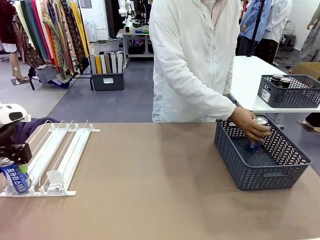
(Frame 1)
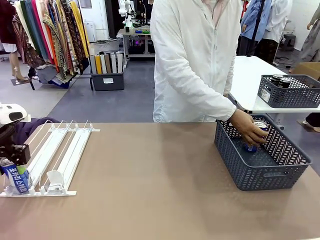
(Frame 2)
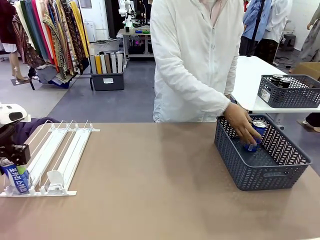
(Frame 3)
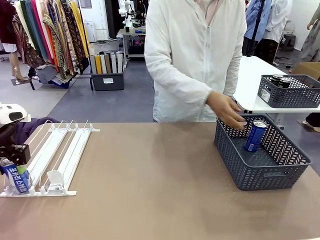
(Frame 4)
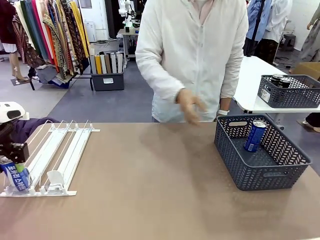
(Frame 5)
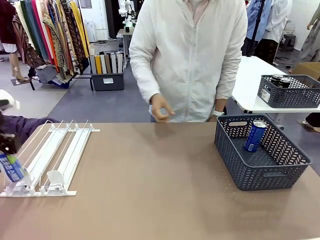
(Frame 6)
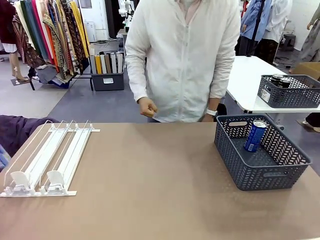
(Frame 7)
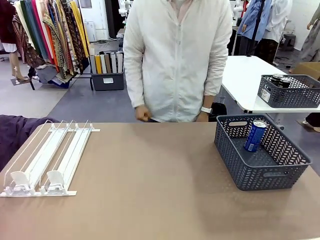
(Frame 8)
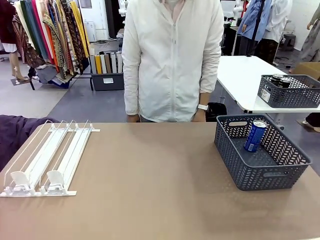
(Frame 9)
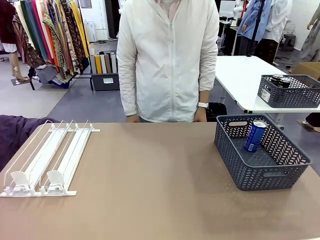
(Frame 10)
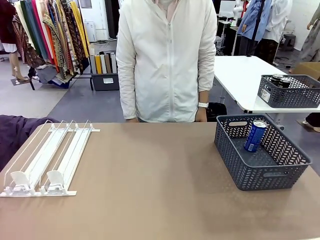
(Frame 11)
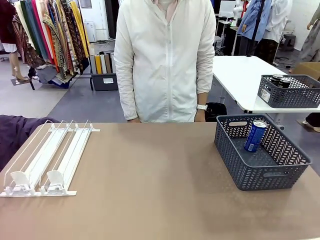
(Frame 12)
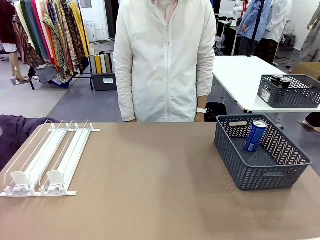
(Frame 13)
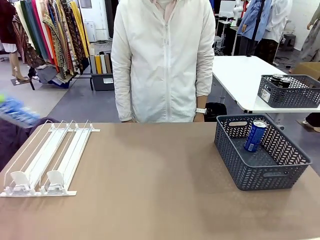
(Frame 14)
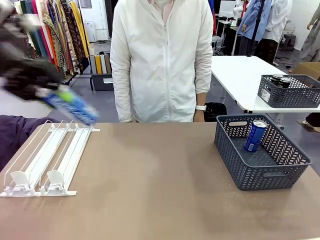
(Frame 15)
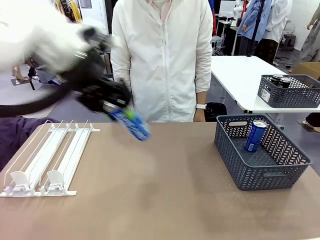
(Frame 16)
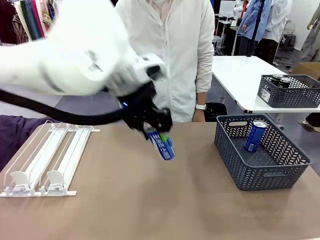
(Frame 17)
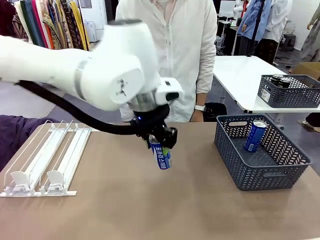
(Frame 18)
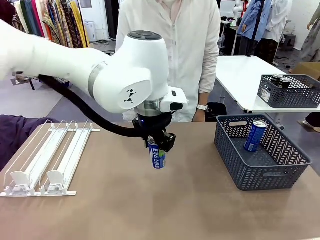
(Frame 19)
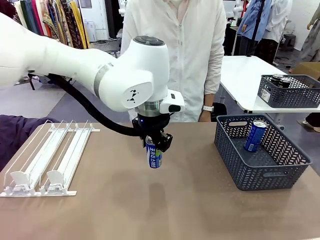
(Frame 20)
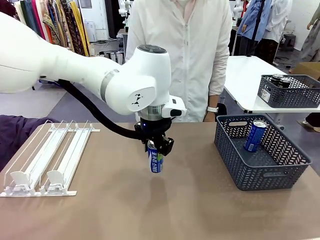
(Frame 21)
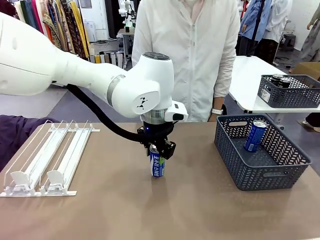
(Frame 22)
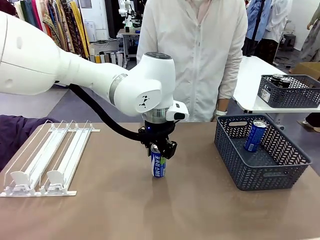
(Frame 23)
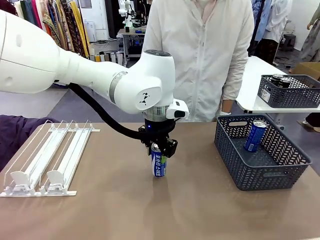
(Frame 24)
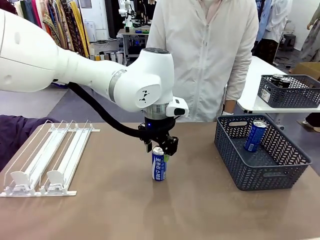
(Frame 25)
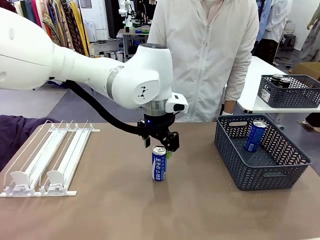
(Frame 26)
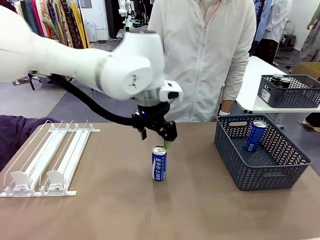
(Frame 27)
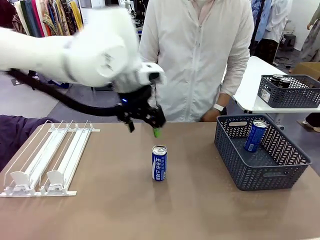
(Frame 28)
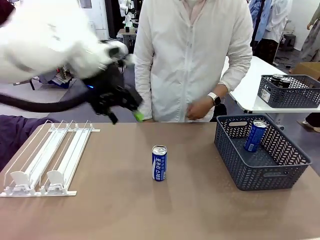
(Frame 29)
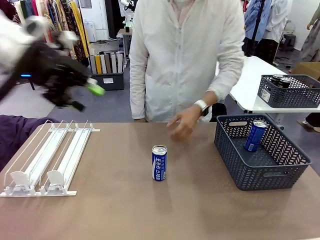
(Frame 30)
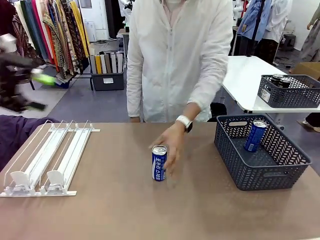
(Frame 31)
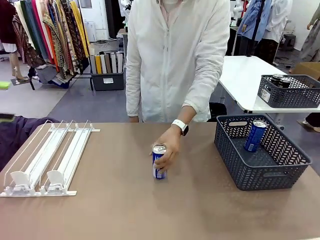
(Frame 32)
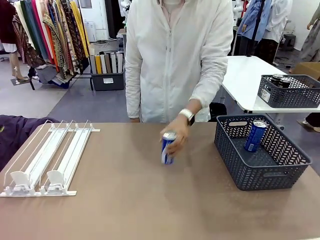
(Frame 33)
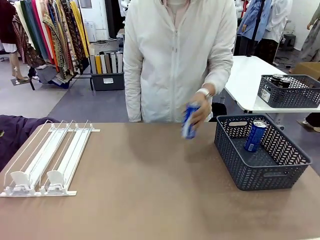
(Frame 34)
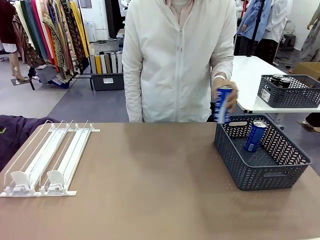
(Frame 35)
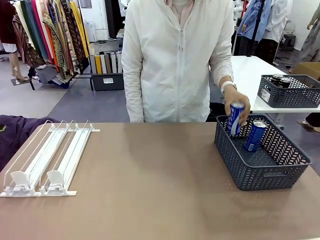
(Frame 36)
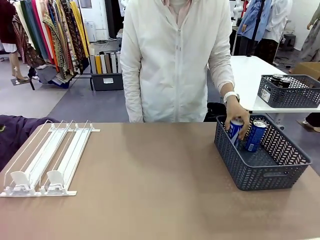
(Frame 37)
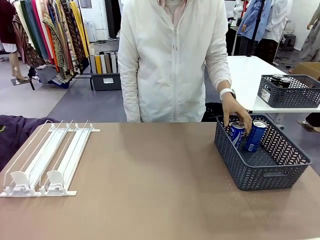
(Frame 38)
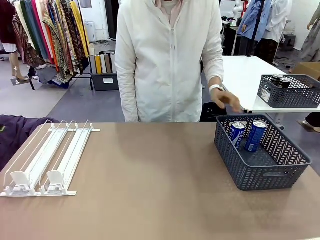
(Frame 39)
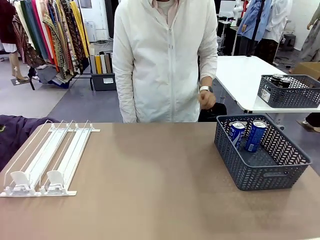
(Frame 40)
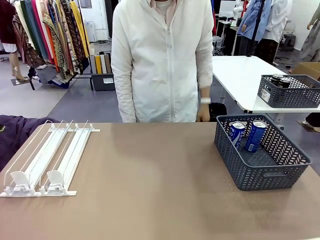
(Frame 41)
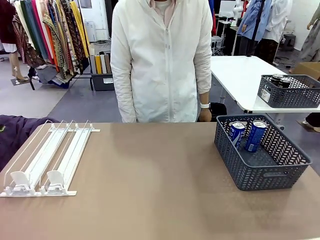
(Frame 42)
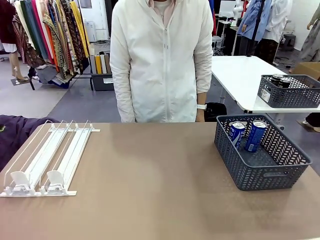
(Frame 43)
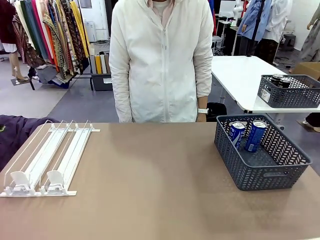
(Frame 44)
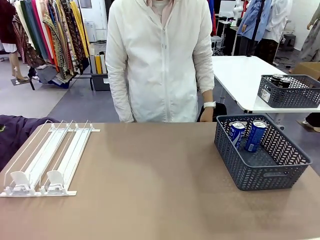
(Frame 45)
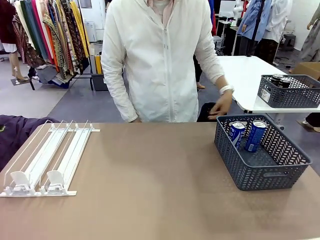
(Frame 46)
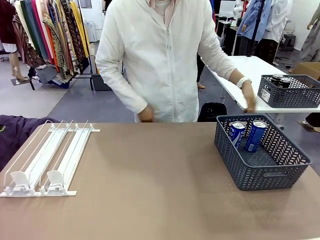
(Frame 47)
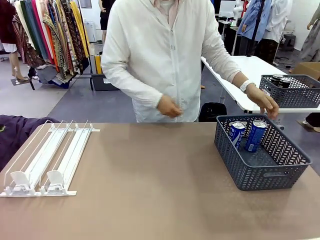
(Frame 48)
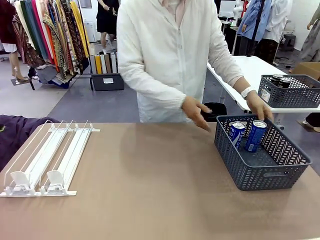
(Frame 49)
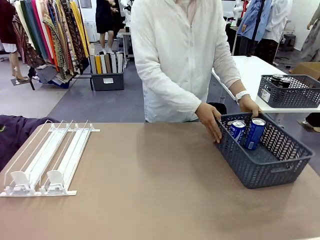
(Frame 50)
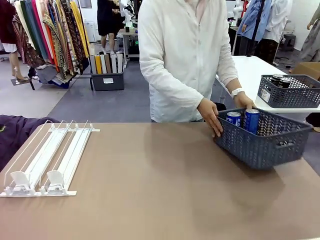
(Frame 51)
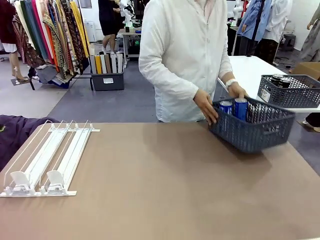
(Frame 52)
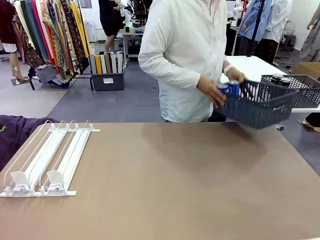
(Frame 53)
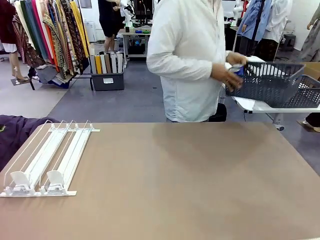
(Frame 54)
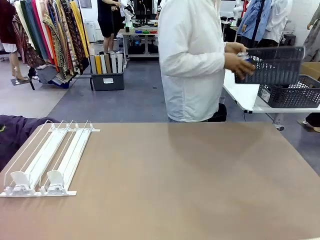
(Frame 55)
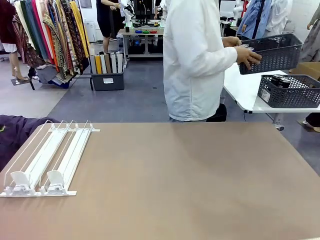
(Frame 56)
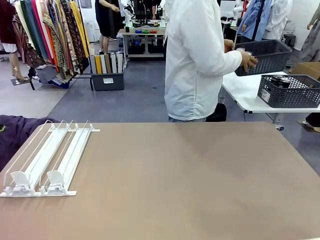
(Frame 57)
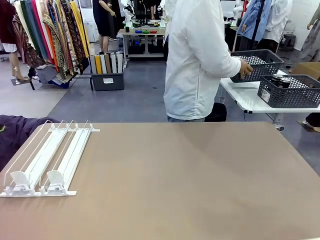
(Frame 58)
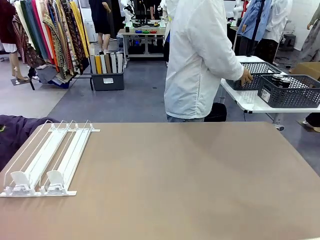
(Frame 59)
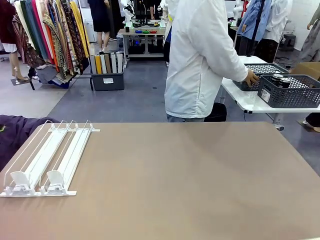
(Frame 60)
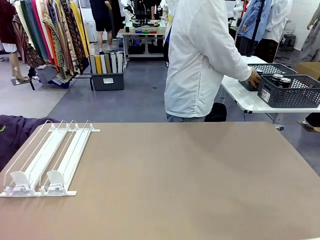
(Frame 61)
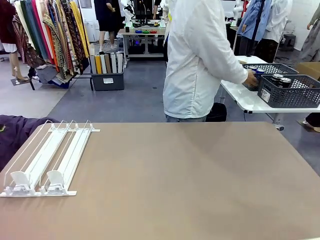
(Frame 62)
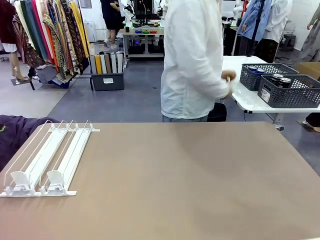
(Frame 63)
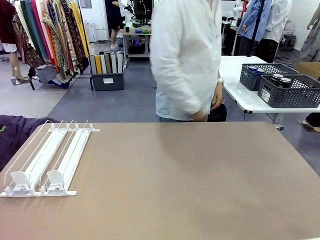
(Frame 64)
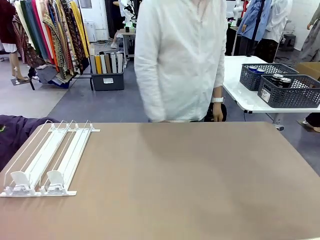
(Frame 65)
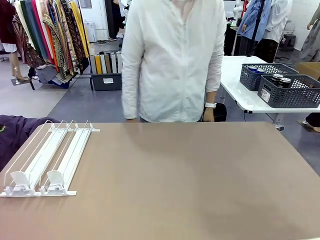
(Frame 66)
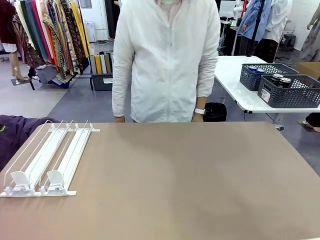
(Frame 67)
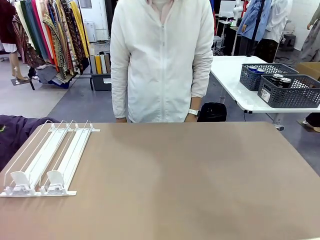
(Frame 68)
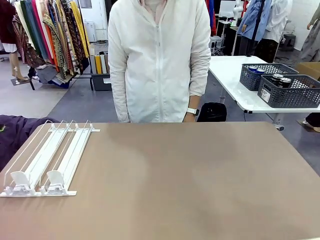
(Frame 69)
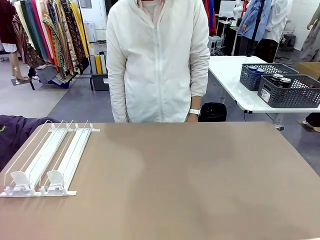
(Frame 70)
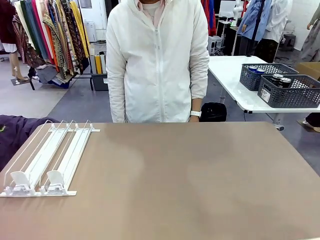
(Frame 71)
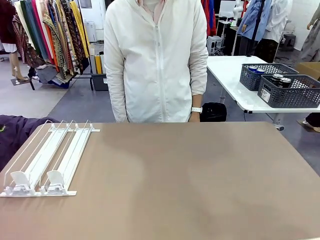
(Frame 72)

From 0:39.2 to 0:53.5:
Task: Retrieve and store the cans from the dispenser.
Robot: Pick up one can from the Automatic Can Dispenser and place it in the middle of the table.
Person: Pick up one sports drink can from the middle of the robot table and place it in the basket. Pick up the basket and place it in the middle of the human table.

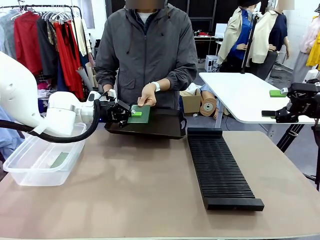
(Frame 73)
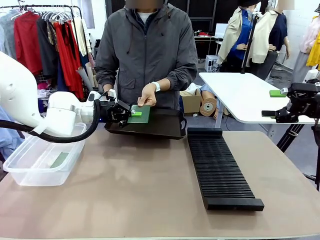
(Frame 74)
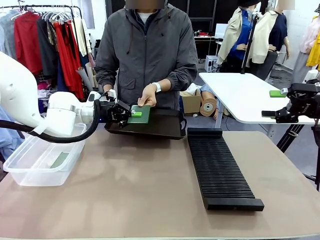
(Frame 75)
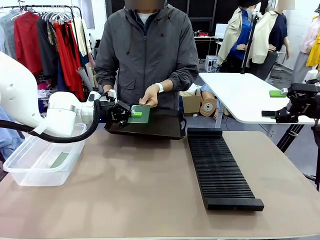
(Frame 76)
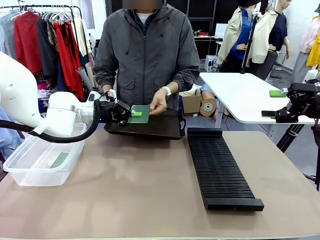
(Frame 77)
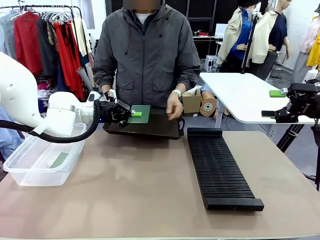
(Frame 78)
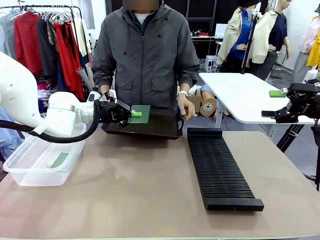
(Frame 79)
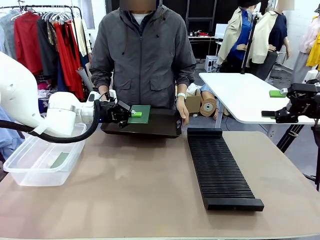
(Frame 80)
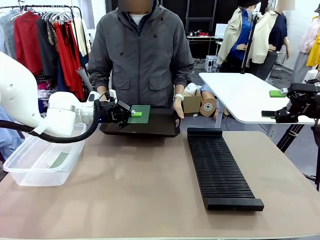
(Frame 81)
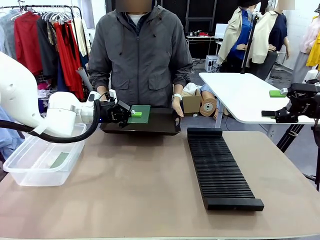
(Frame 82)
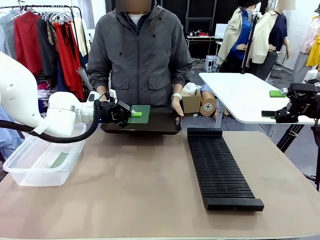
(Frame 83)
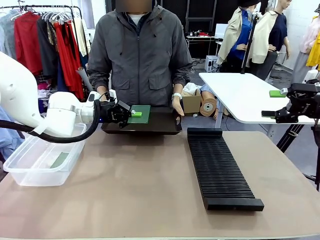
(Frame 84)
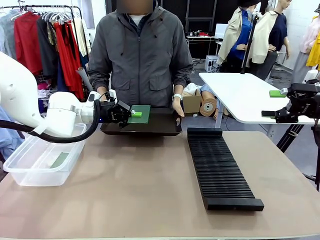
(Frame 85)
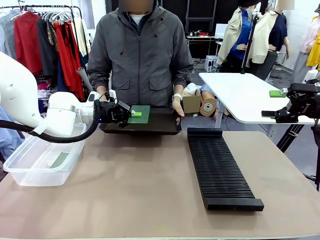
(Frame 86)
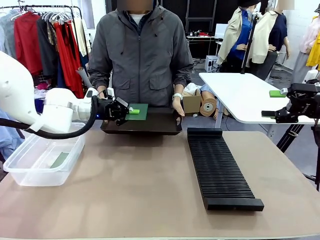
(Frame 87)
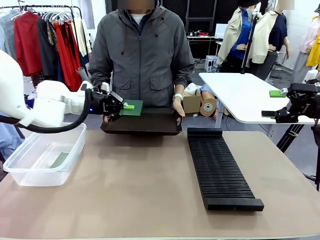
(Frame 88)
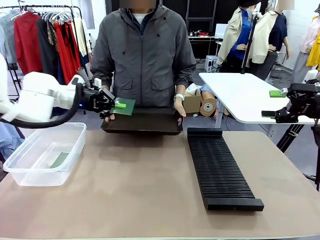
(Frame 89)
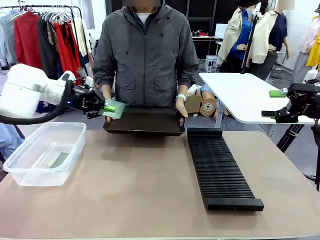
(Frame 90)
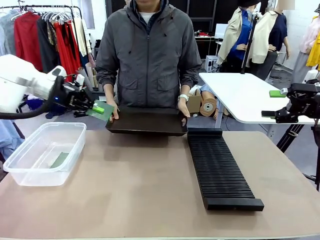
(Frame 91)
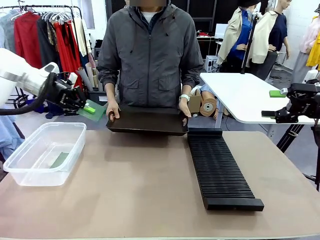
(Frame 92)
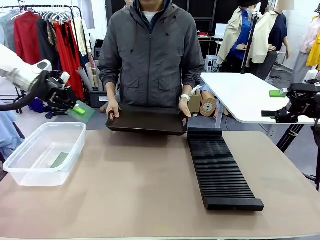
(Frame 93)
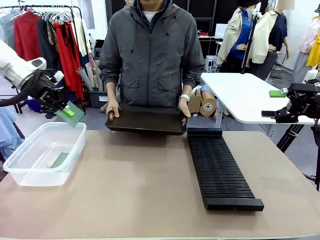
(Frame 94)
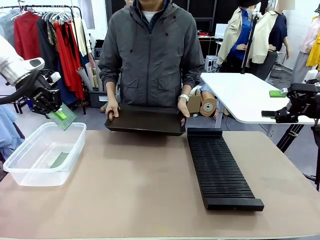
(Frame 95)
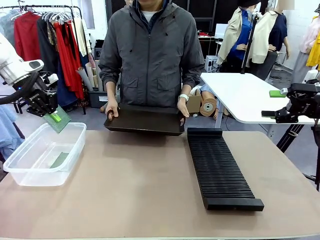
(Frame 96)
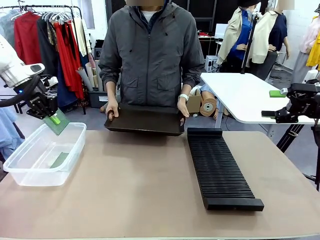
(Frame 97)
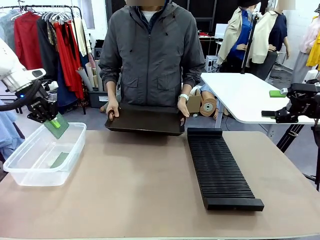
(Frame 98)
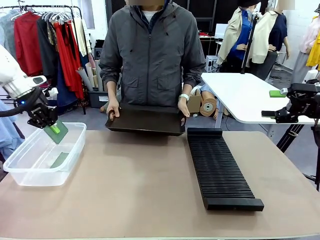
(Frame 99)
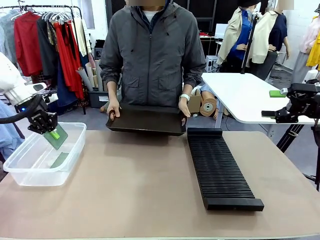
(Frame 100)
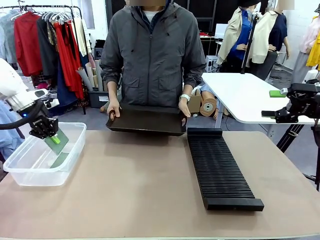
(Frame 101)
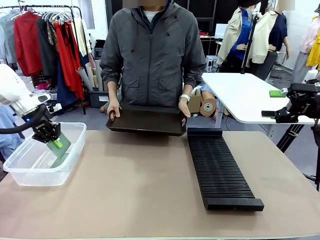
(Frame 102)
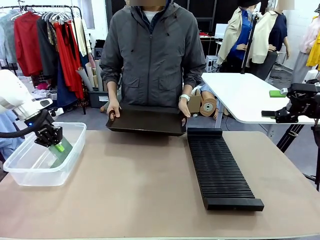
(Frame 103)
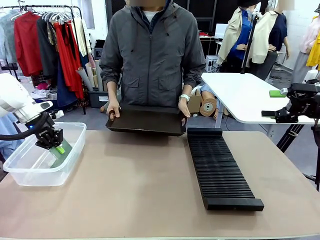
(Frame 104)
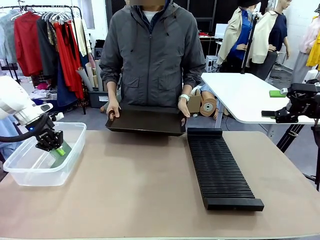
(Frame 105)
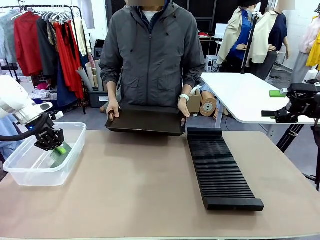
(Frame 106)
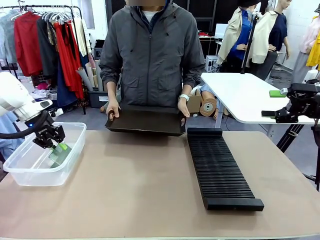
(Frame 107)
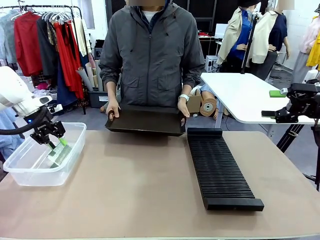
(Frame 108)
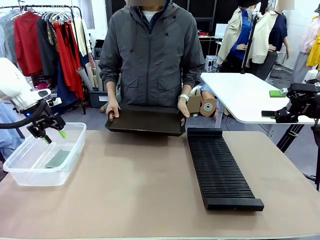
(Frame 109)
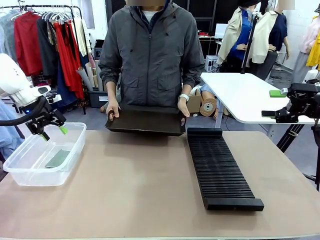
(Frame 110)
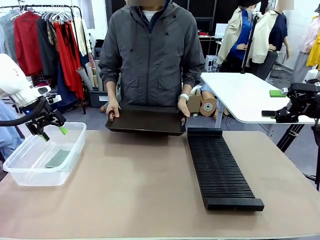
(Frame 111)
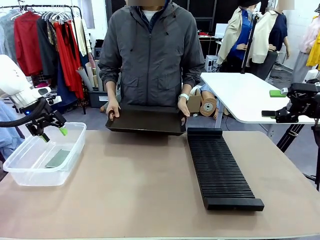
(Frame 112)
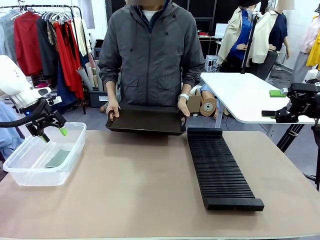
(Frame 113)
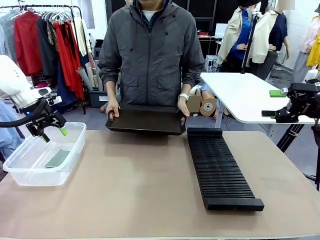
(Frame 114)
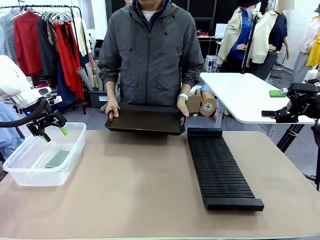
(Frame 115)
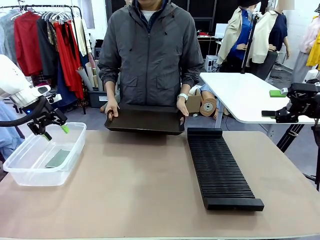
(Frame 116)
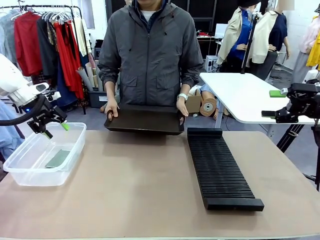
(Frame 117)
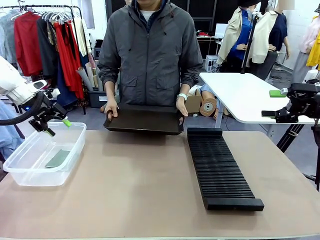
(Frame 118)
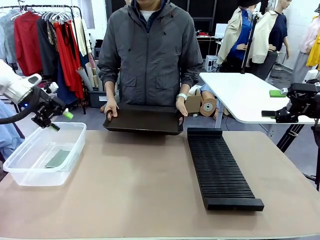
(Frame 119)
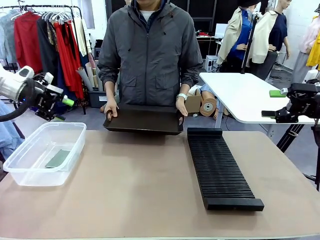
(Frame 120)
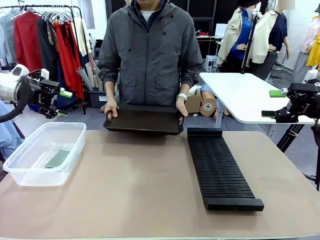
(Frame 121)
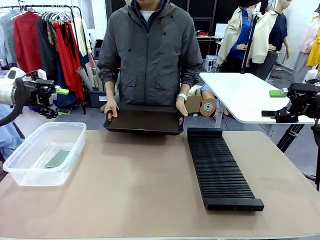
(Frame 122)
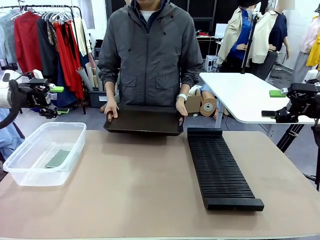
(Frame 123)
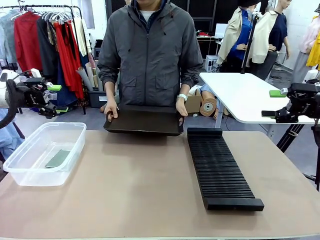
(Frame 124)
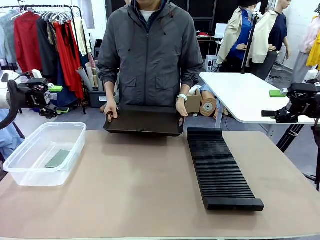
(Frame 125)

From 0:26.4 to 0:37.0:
Task: Sort PCBs into racks and boxes based on the side picked up.
Robot: If the short side of the Blank PCB is picked up, insert it into the PCB Rack ; if the long side is picked up, place it in the Organizing box.
Person: Release the PCB being held.
